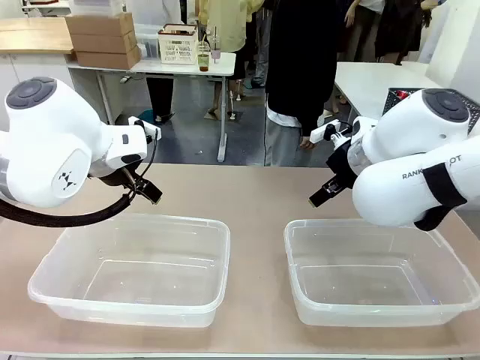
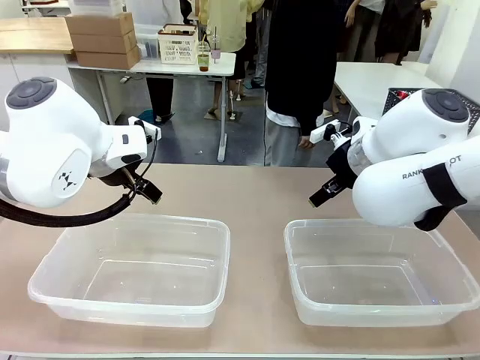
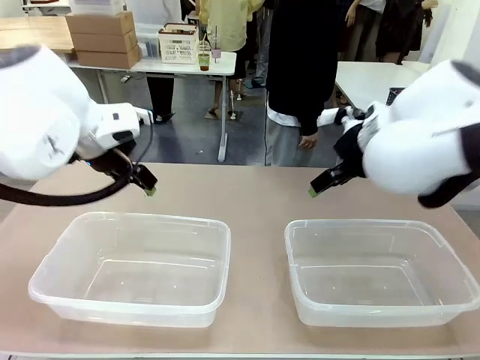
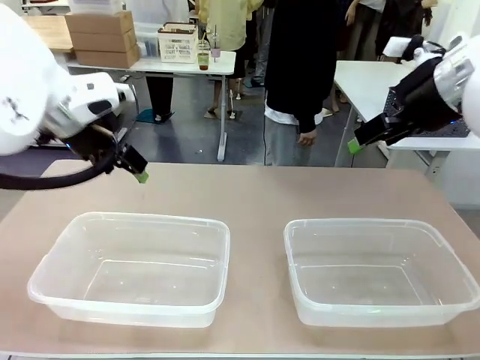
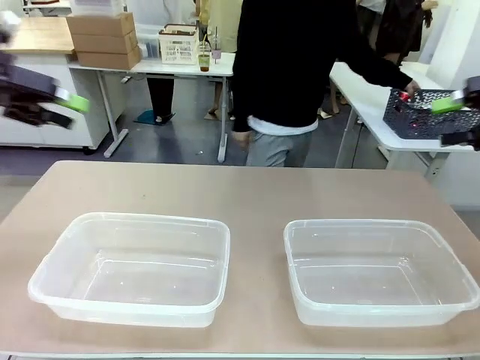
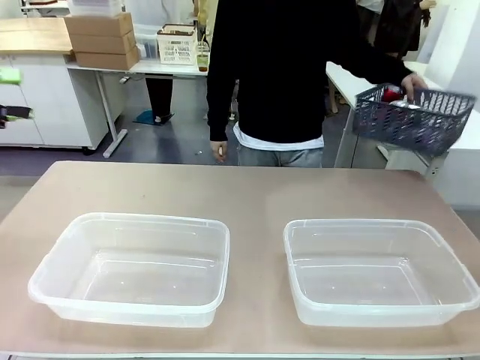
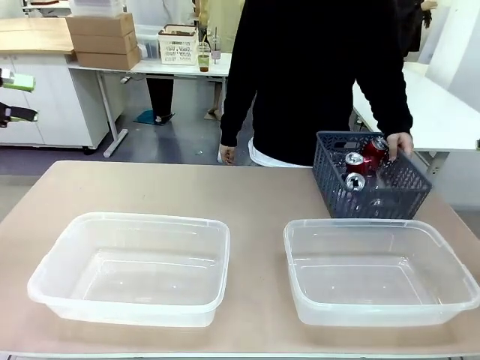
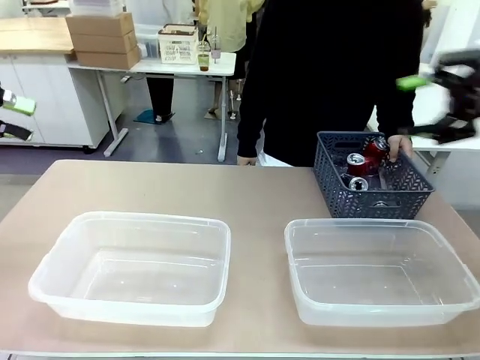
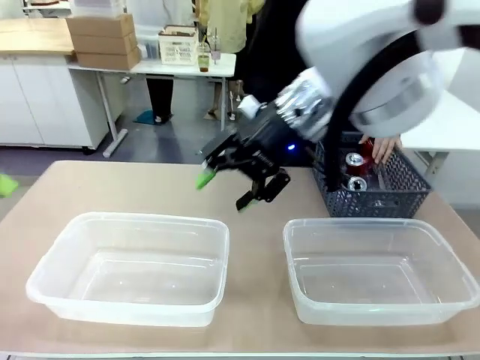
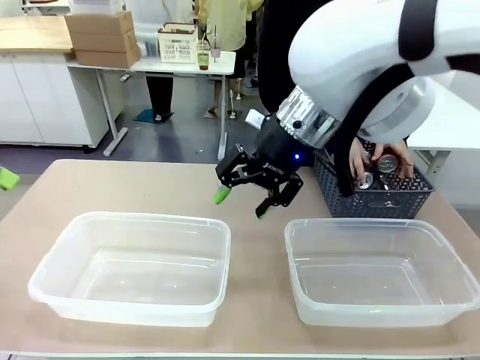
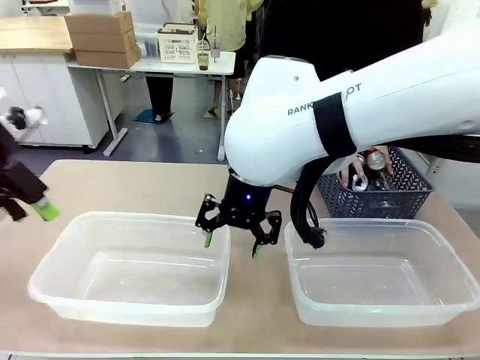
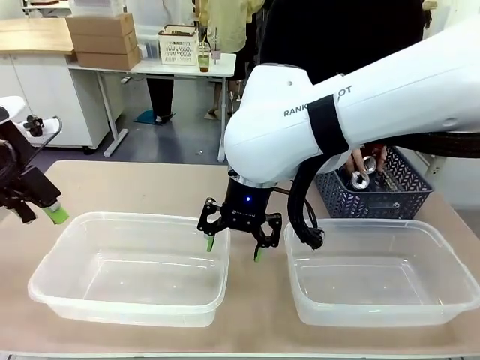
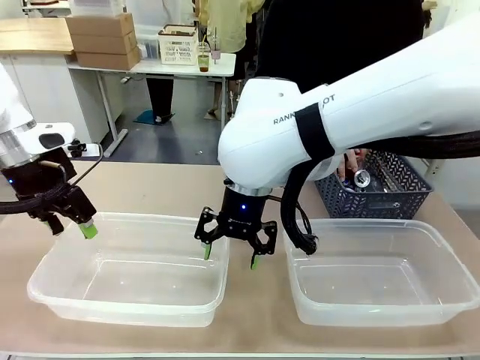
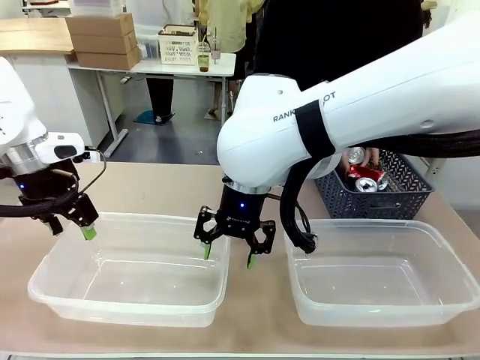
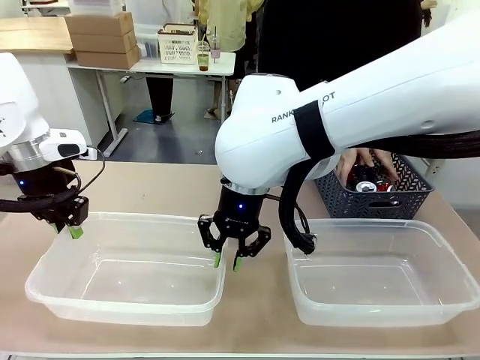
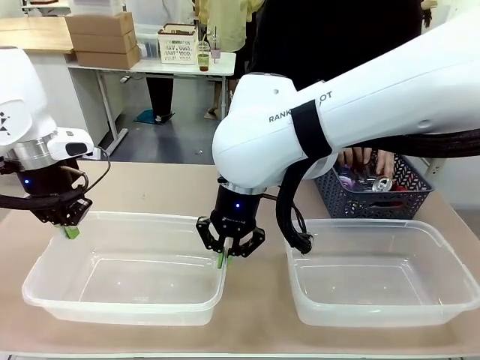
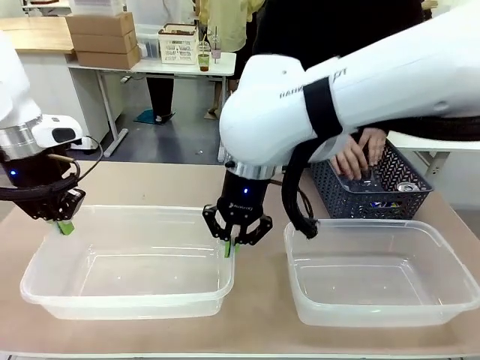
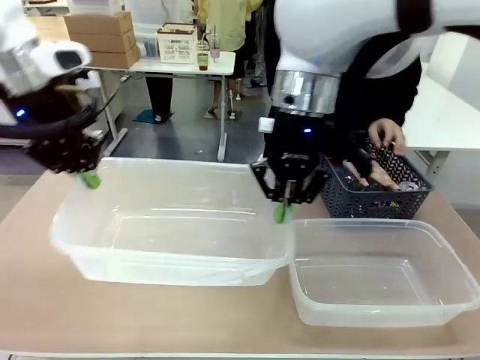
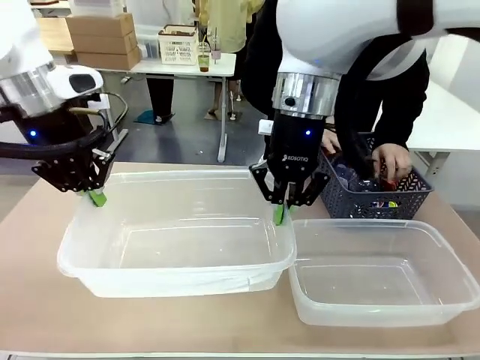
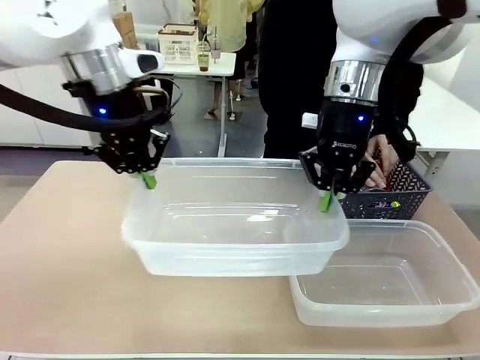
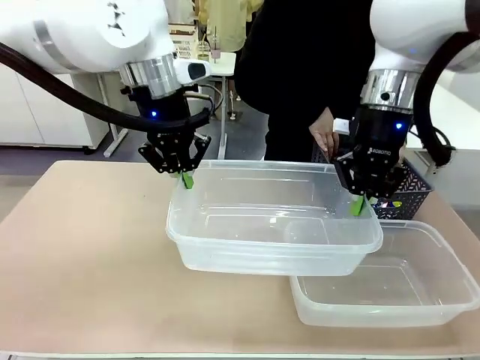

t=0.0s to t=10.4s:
Robot: Pick up the Organizing box on the left side of the table and lift it.
Person: Pick up the storage basket and place it on the left side of the robot table. Pick up can-shaped waste one by one and place it into the organizing box lifted by the robot.

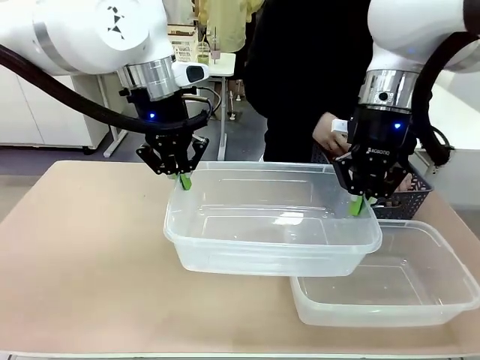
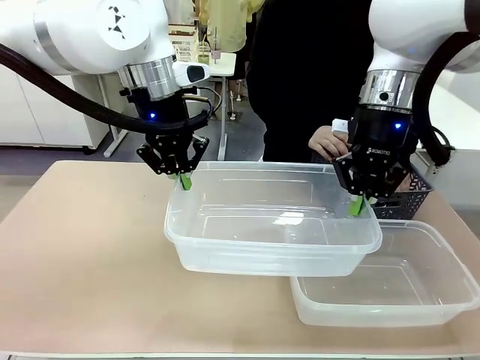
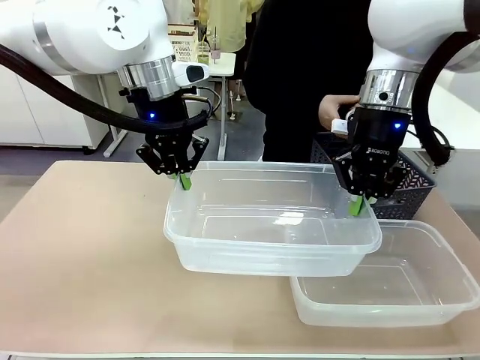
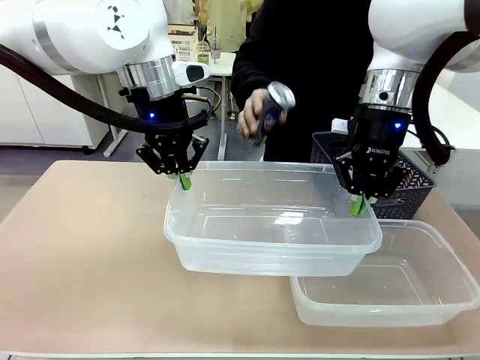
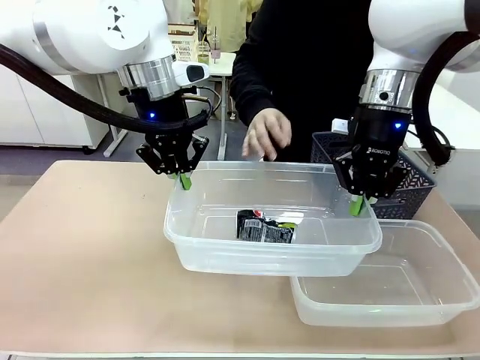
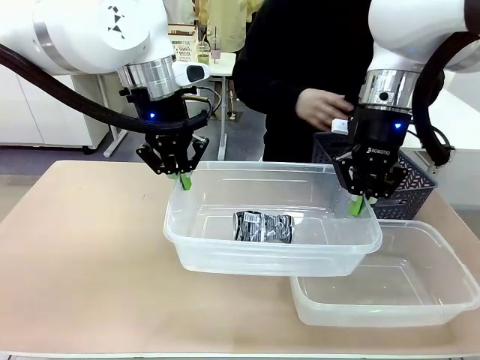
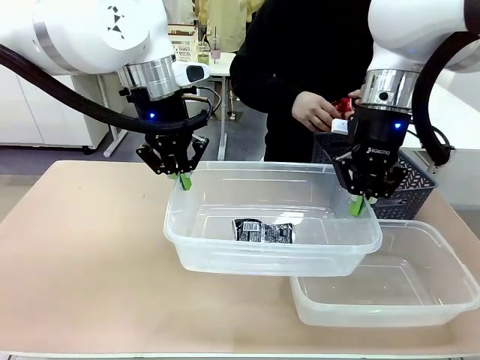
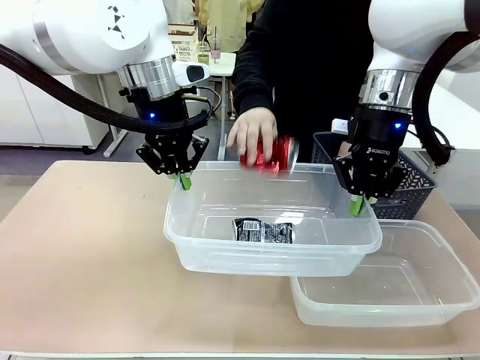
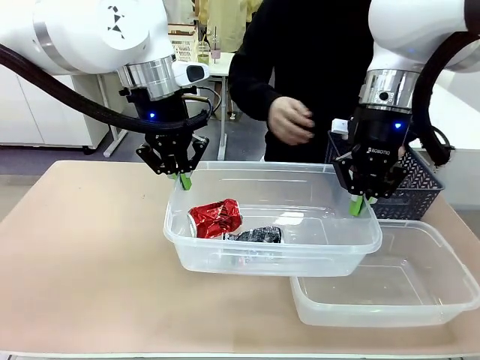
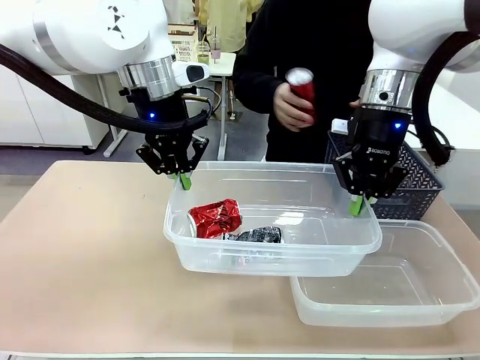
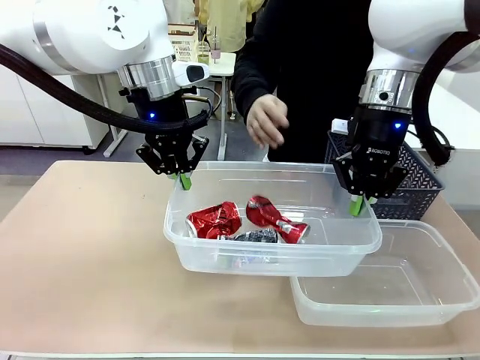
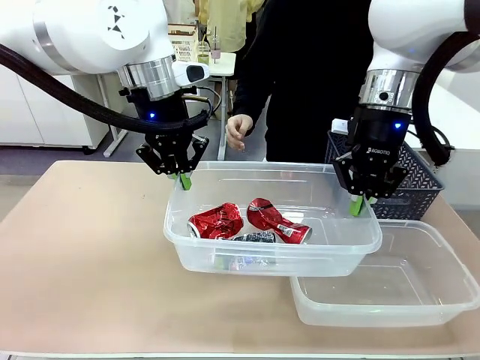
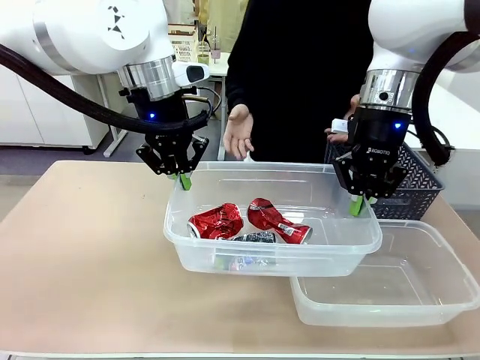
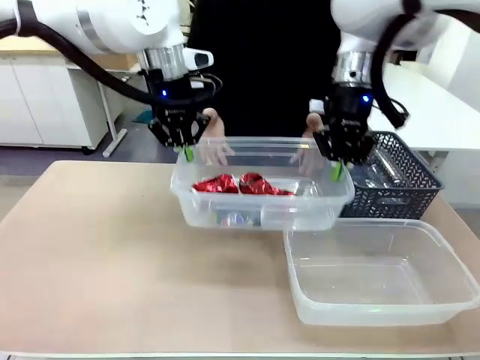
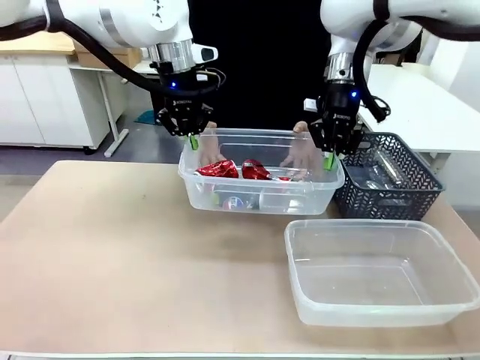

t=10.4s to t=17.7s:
Robot: Offer the picked Organizing box to the human.

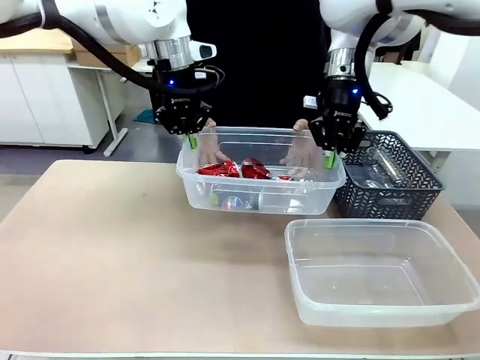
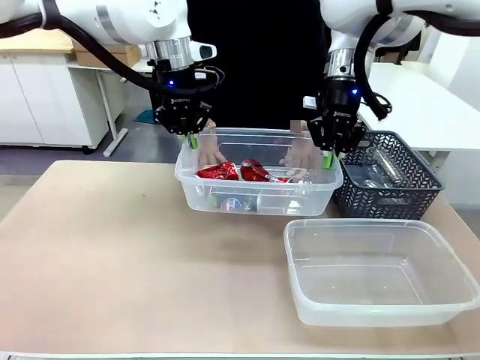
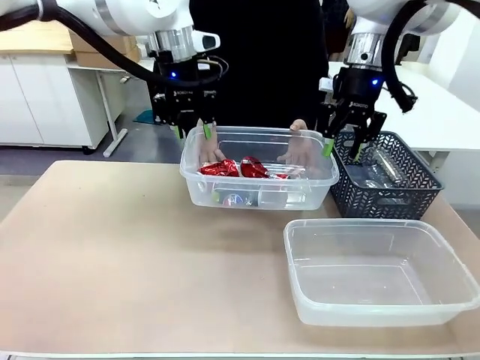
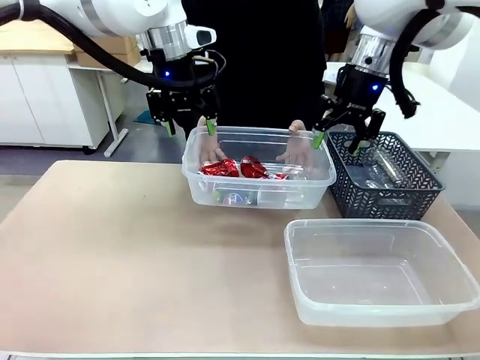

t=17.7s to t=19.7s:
Robot: Release the Organizing box you were holding.

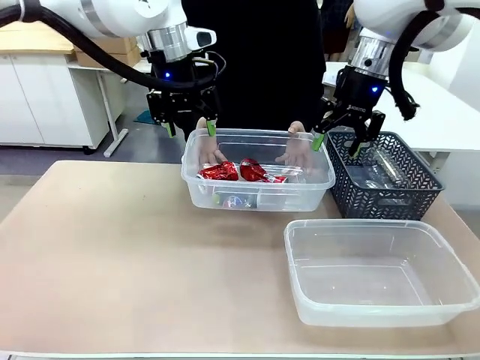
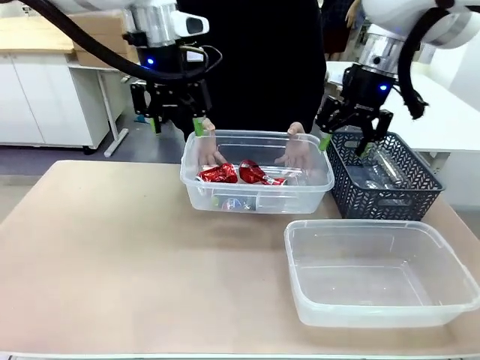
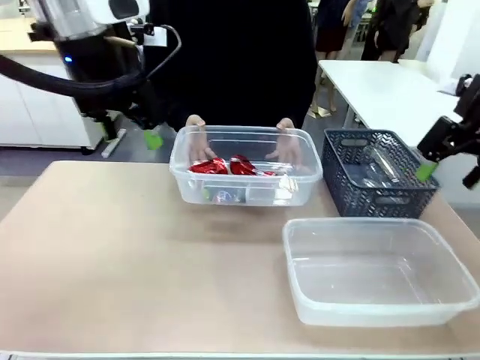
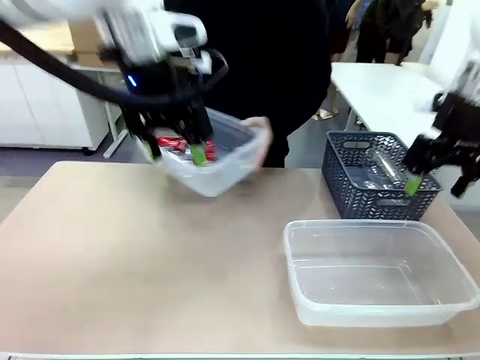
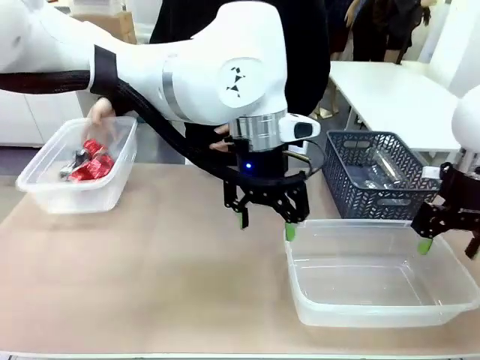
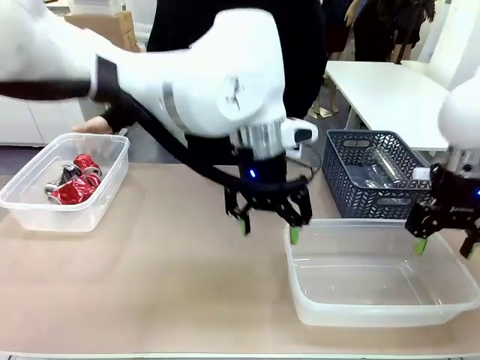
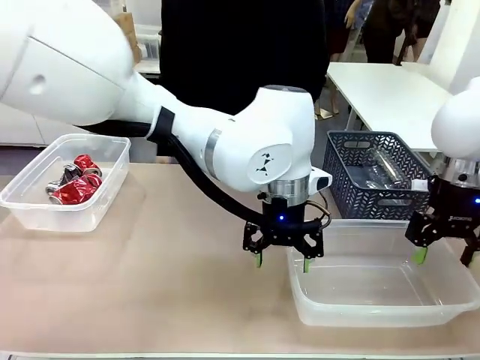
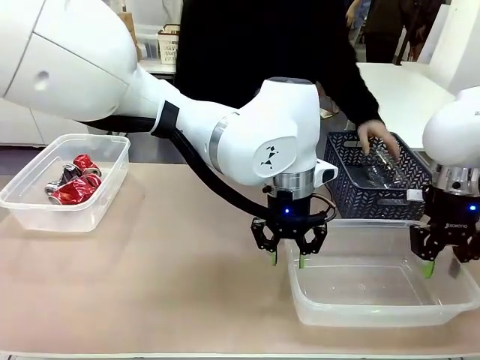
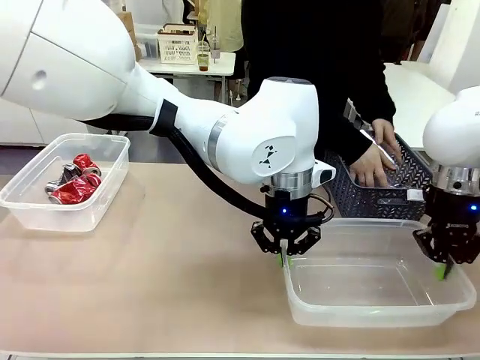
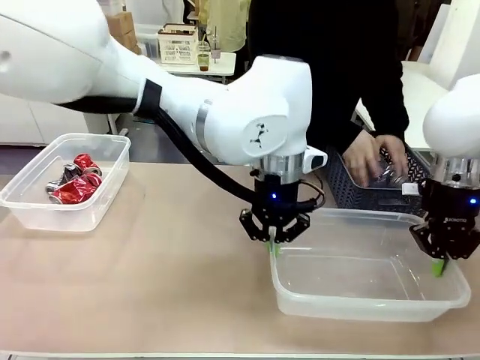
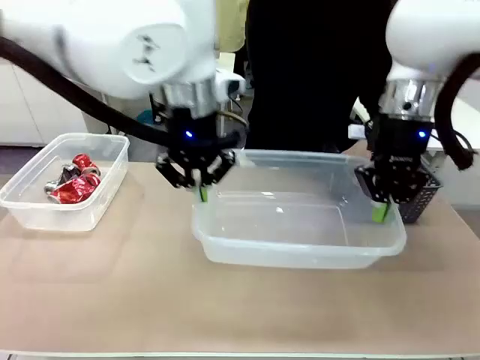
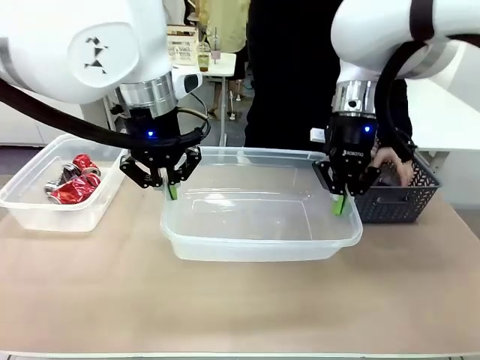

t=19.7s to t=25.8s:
Robot: Pick up the Organizing box on the right side of the table and lift it.
Person: Place it at the edge of the bottom right area of the robot table.
